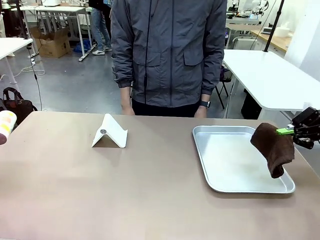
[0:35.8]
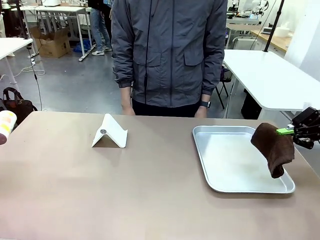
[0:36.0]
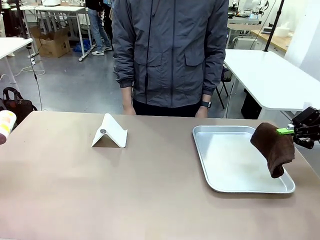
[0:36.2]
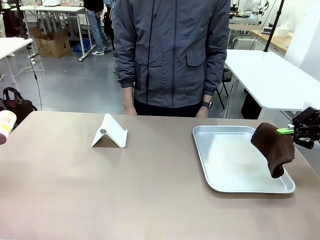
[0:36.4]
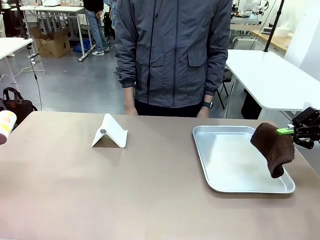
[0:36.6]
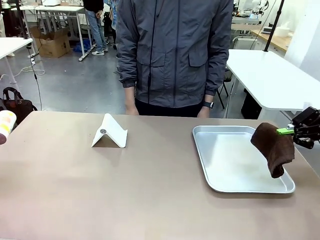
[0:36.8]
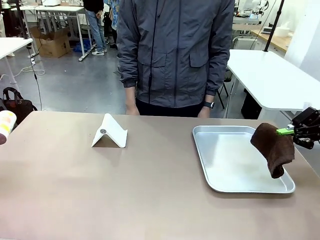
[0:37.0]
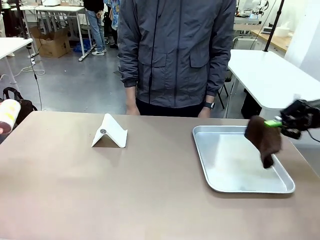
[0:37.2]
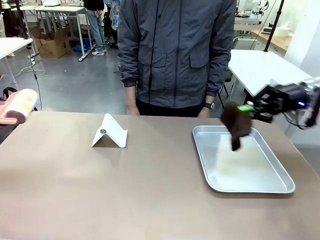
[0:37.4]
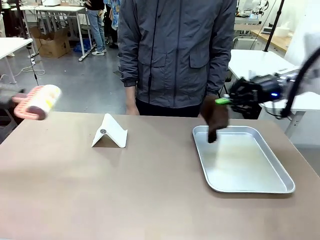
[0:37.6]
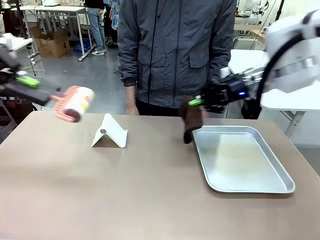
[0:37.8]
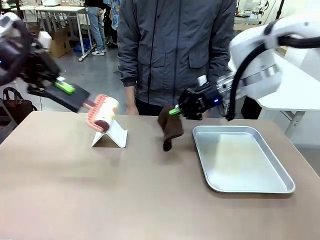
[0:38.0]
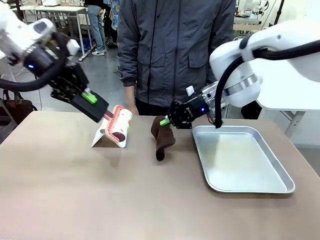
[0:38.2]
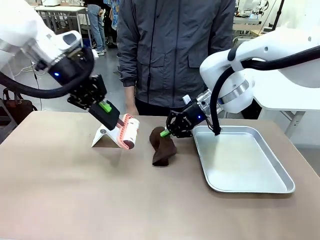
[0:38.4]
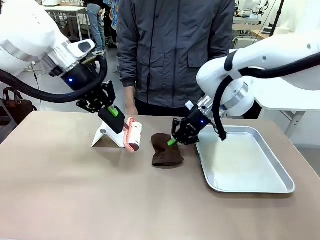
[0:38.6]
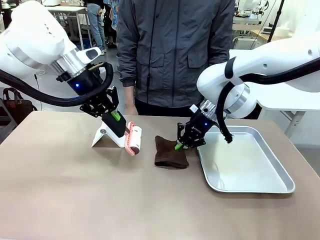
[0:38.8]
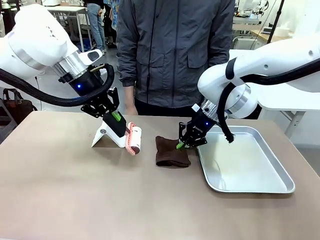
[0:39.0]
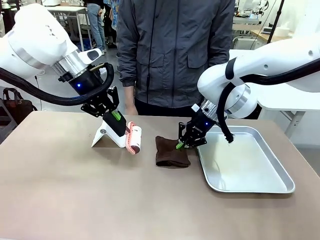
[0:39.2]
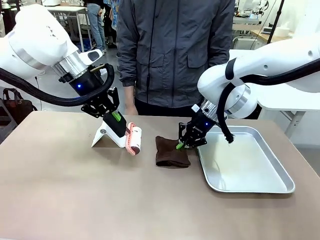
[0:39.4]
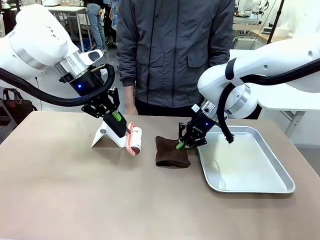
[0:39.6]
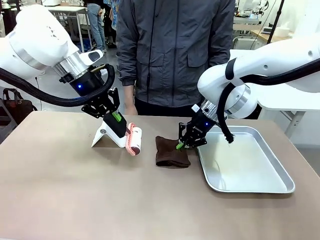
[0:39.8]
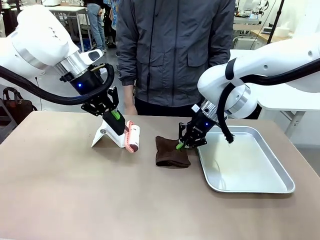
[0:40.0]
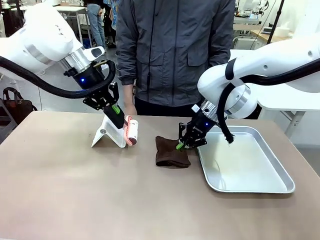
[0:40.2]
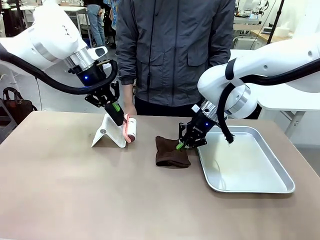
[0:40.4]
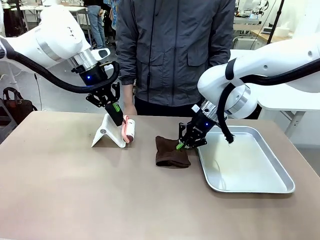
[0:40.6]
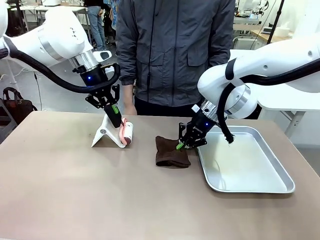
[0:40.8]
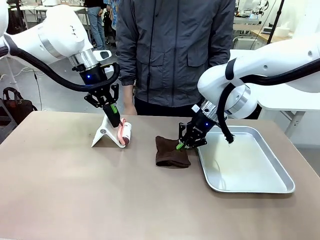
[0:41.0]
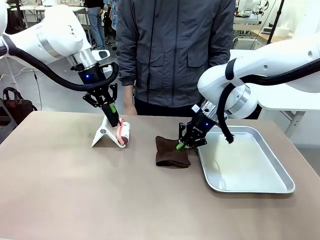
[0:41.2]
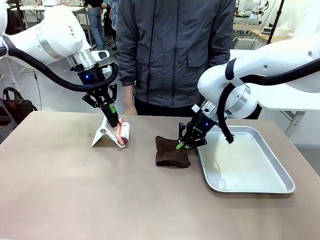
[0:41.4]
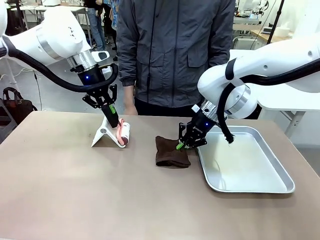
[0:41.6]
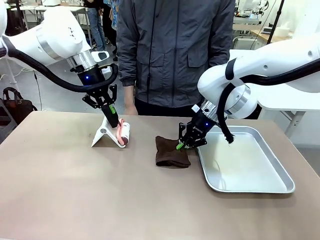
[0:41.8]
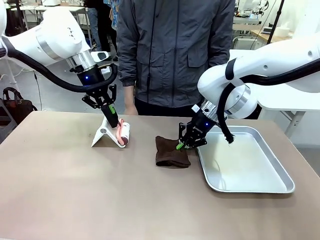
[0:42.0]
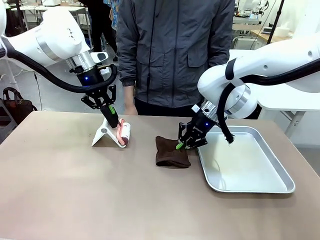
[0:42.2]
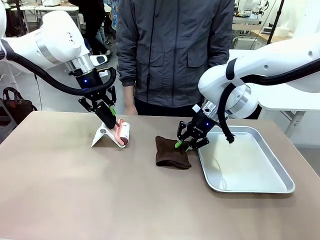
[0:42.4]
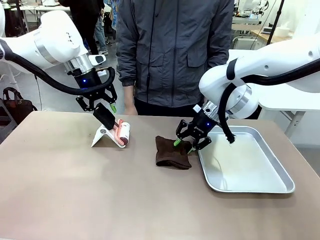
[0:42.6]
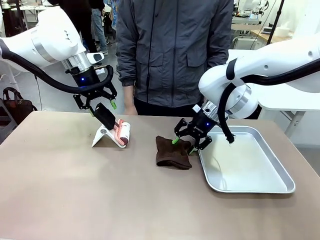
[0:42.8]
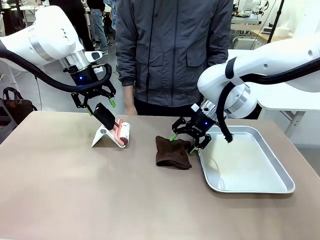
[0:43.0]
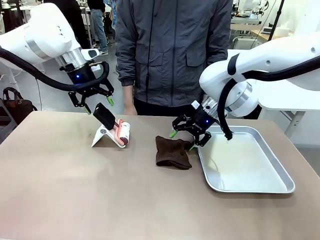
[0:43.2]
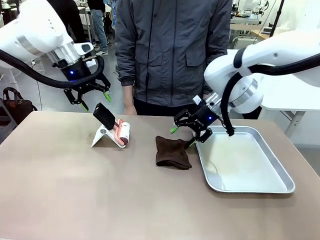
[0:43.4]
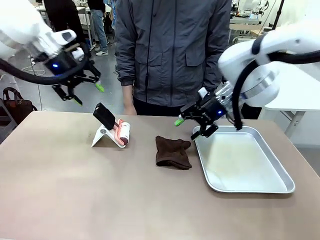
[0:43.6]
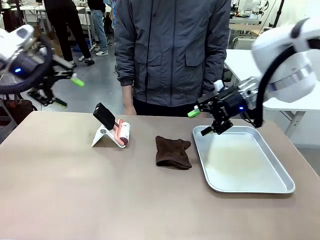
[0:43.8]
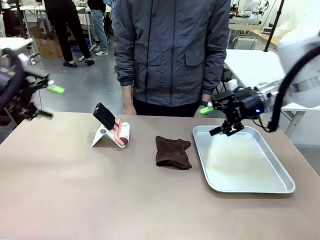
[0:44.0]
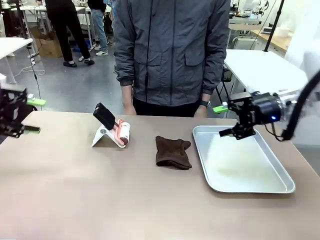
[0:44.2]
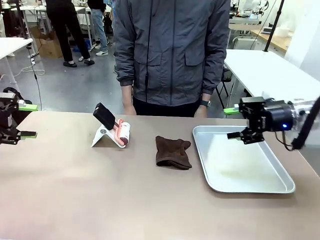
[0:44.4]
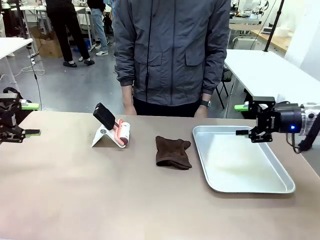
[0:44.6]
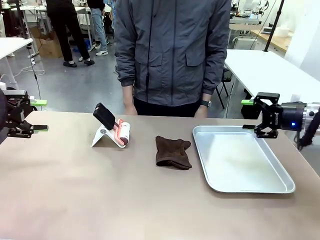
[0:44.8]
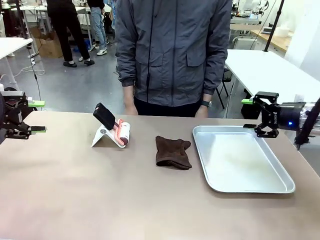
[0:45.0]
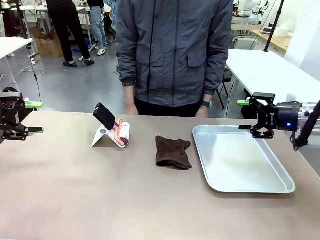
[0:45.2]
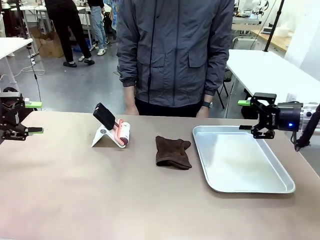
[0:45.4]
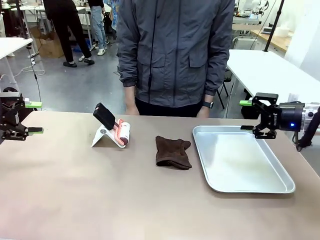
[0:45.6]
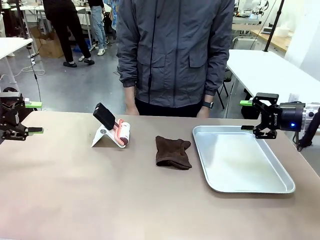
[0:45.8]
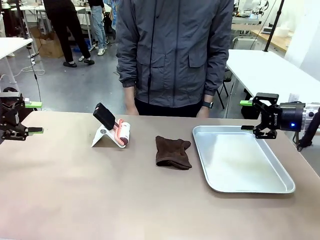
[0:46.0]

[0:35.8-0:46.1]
Task: Clean the surface of the table.
Robot: Return the Lint Roller and towel to their original positions.

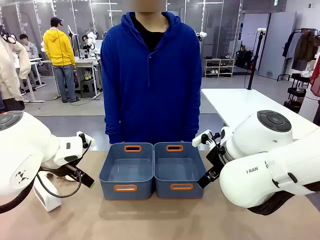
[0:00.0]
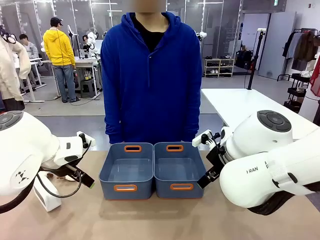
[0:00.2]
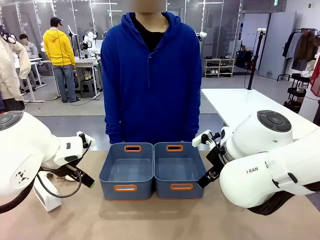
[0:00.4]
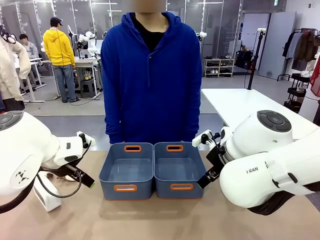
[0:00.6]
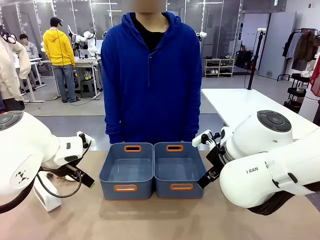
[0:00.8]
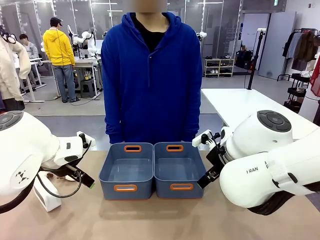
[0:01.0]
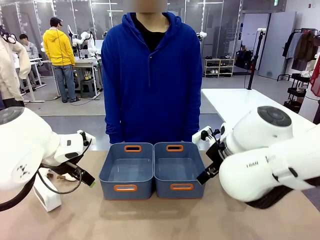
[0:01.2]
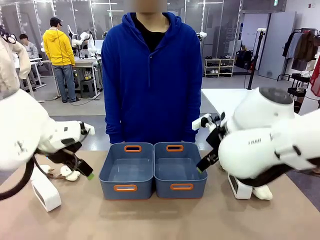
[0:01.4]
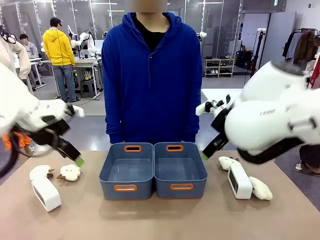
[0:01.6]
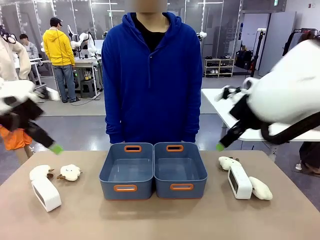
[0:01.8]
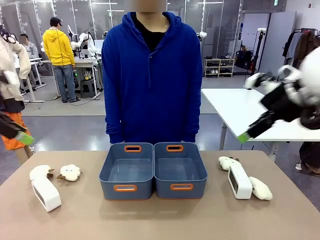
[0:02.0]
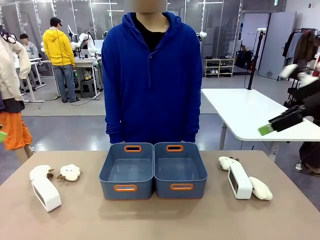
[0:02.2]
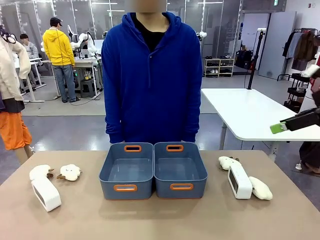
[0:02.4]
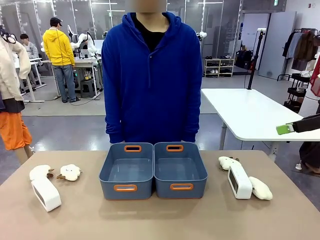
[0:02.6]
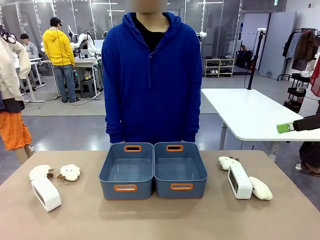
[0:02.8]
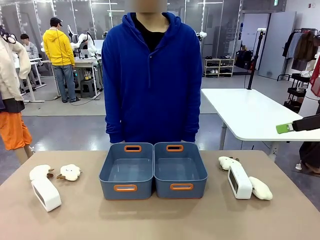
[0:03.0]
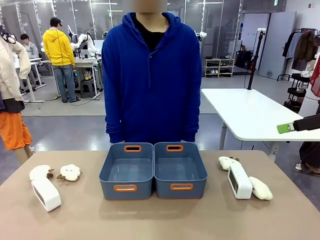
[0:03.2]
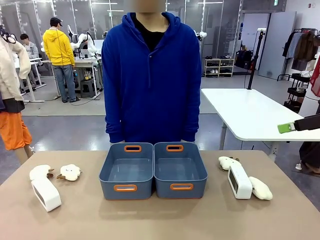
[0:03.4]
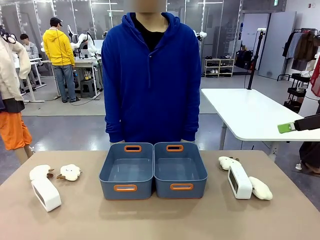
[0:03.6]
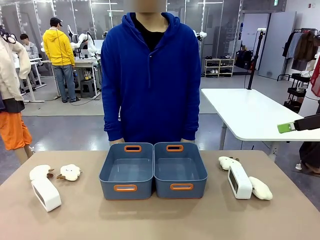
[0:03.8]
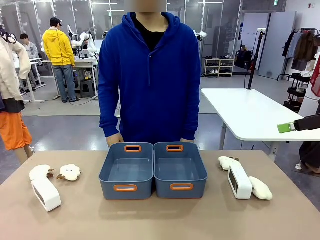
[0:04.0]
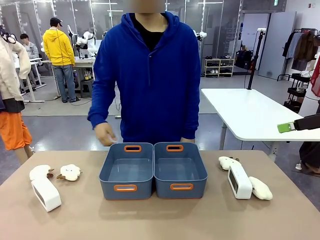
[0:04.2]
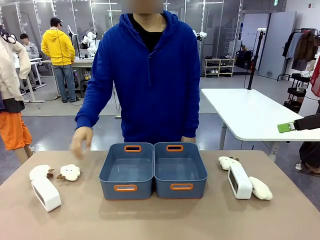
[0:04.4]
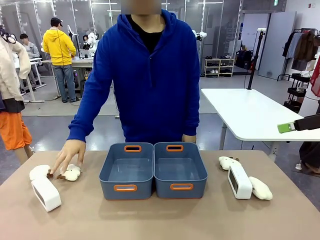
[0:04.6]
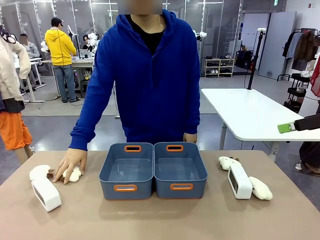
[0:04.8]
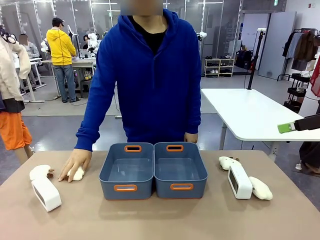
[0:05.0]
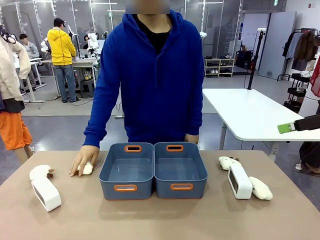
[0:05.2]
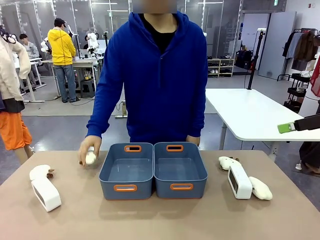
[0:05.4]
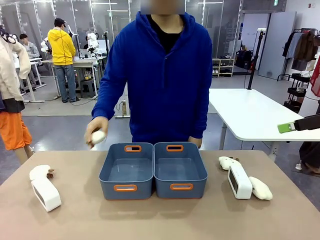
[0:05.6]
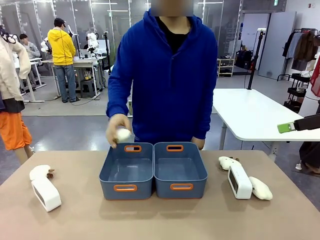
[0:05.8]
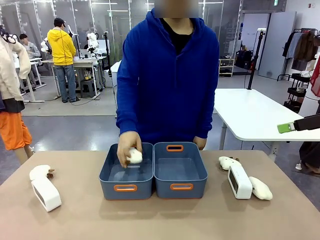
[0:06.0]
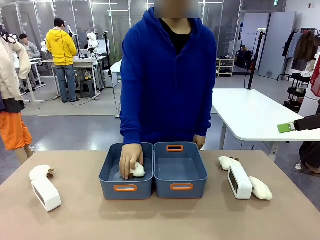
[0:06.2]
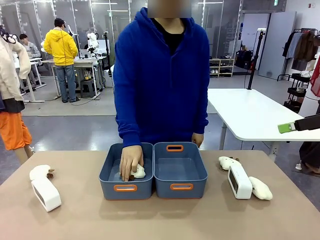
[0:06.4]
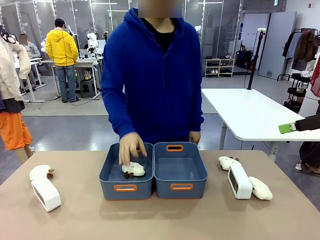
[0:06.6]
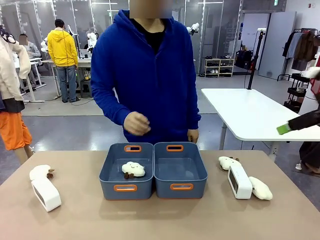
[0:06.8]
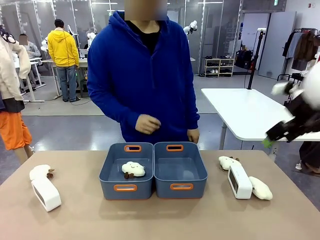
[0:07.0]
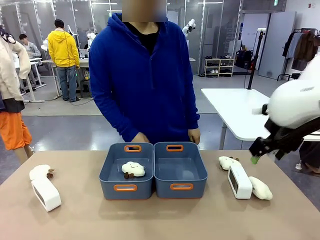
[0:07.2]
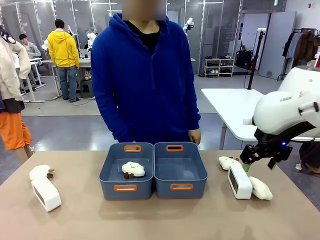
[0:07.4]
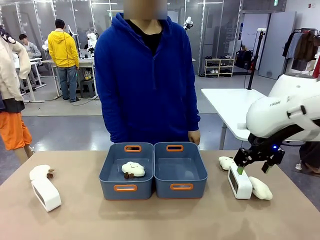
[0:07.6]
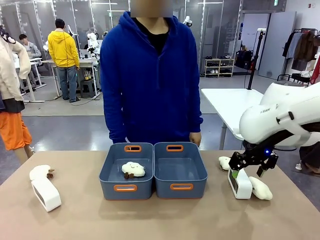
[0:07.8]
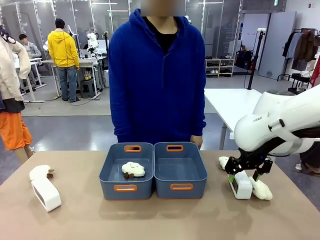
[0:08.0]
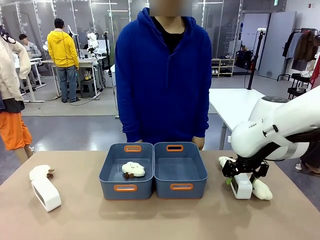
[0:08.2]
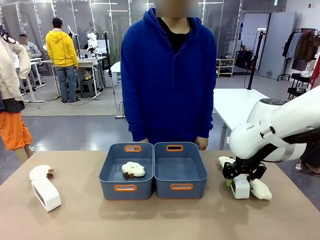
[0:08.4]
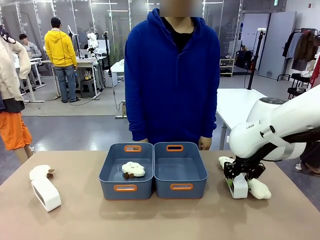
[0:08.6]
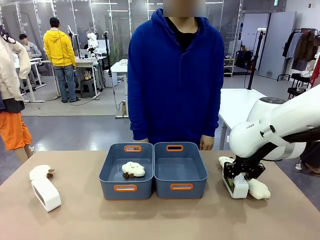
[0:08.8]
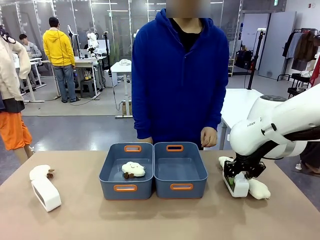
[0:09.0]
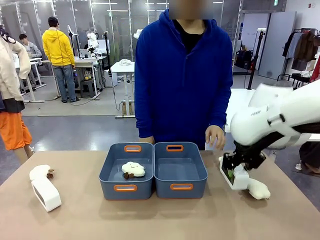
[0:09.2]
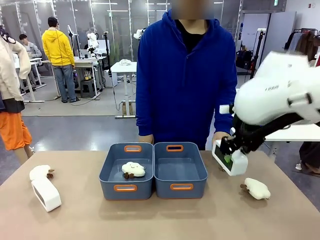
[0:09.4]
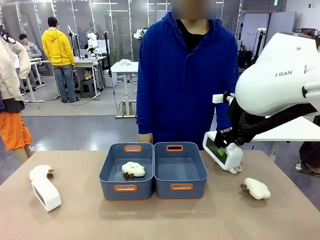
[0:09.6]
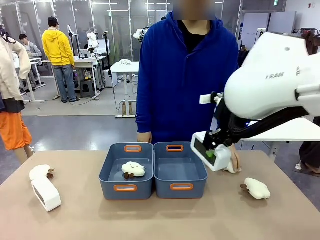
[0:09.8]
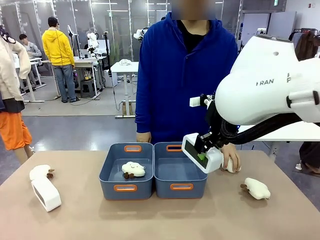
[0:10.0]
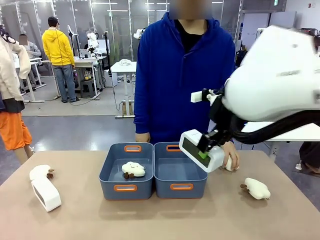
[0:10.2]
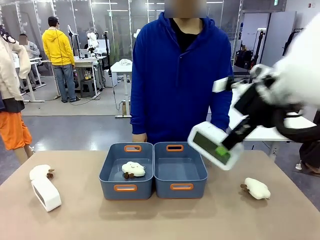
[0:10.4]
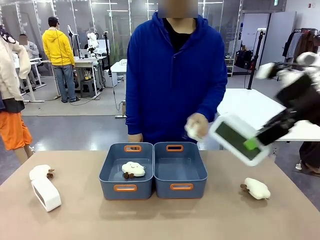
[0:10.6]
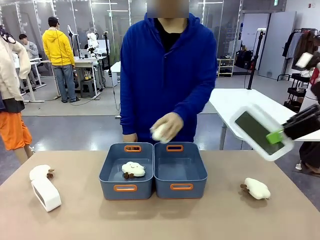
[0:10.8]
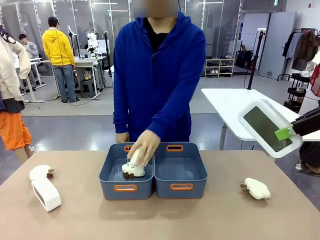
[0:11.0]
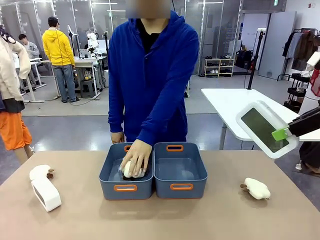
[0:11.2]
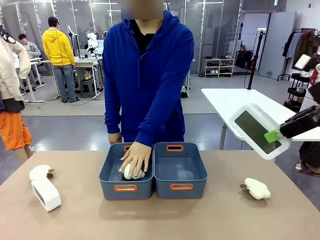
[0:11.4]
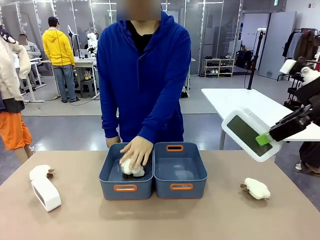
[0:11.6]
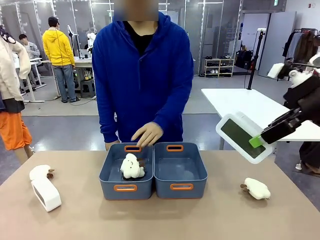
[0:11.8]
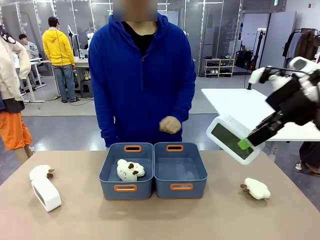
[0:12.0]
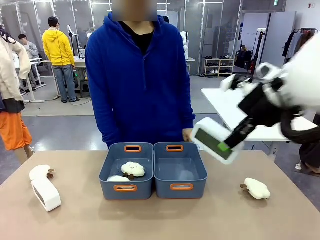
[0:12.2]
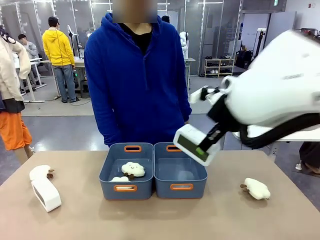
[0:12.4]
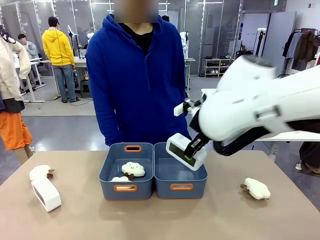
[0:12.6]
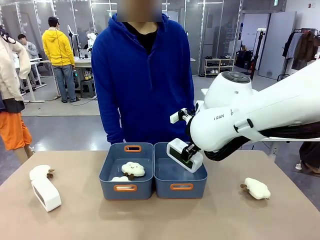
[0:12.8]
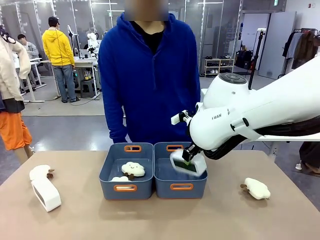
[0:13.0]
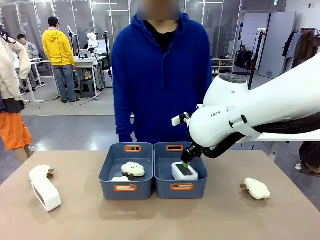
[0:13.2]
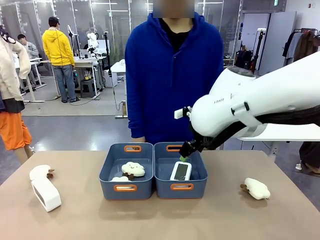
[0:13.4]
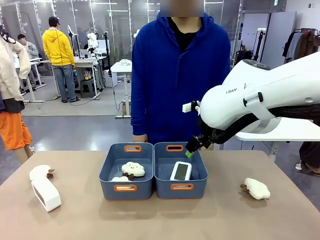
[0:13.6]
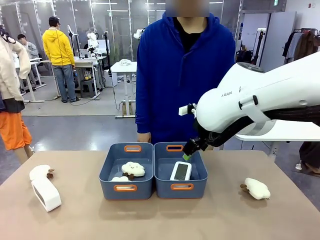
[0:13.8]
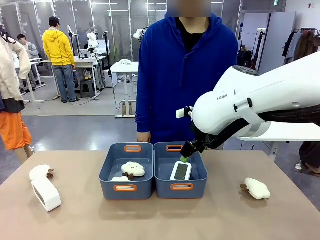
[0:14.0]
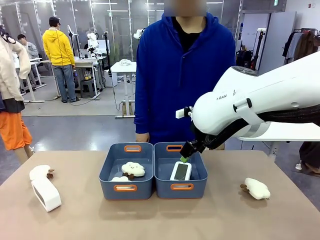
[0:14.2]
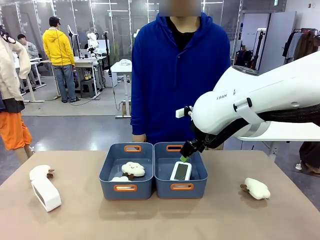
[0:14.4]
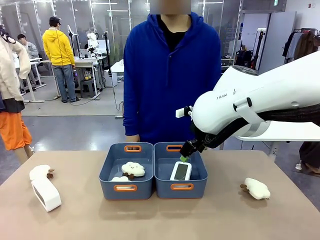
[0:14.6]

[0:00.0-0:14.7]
Task: Sort the digital clocks into the basket.
Robot: Pick up the Digital clock from the table and place it into the empty Plastic storage basket.
Person: Pick up a plush toy from the table and place it in a plastic storage basket.
